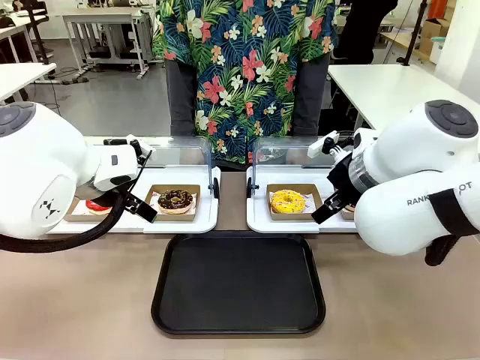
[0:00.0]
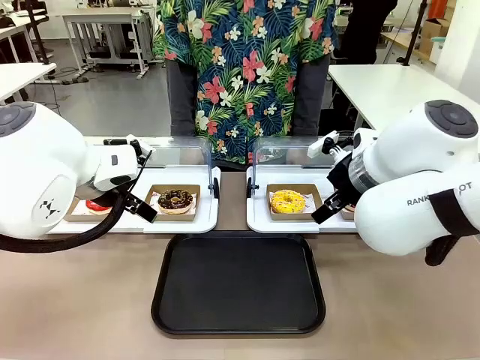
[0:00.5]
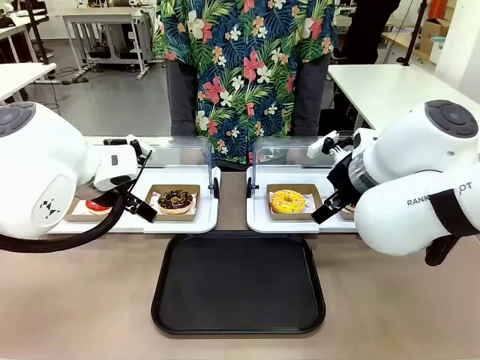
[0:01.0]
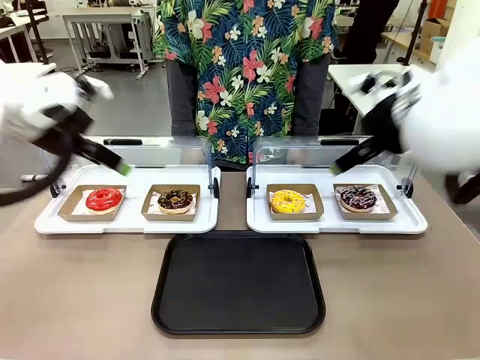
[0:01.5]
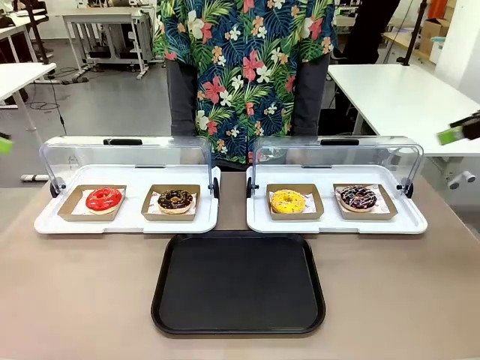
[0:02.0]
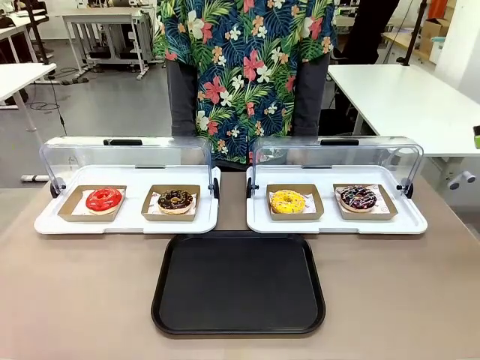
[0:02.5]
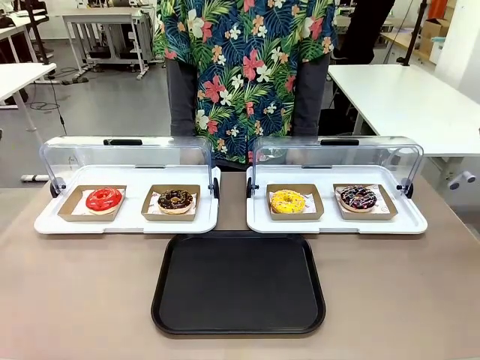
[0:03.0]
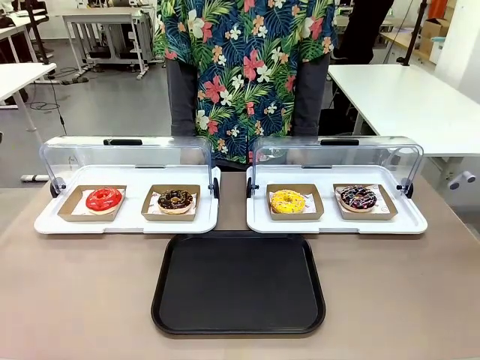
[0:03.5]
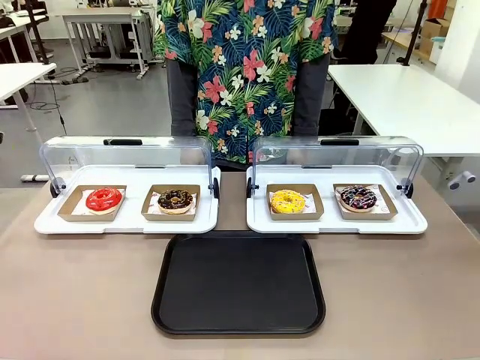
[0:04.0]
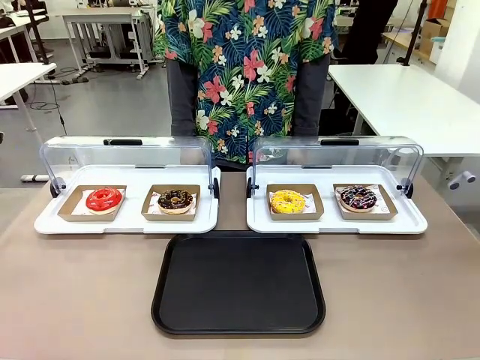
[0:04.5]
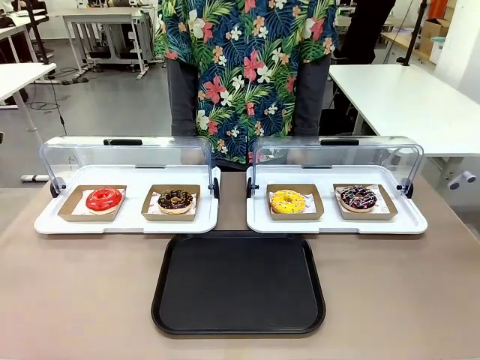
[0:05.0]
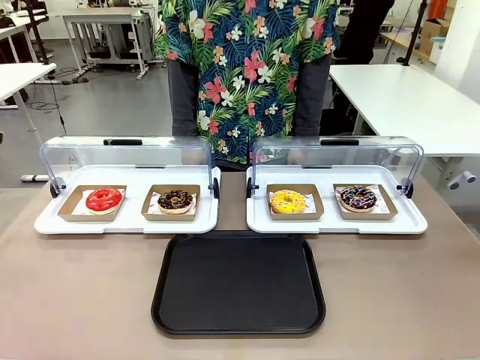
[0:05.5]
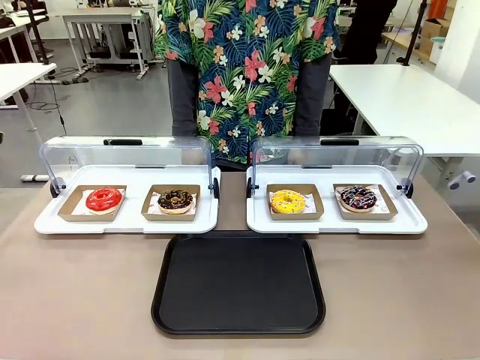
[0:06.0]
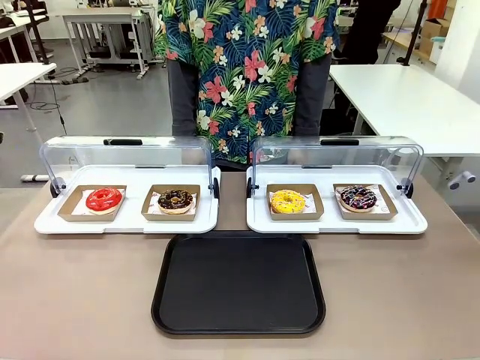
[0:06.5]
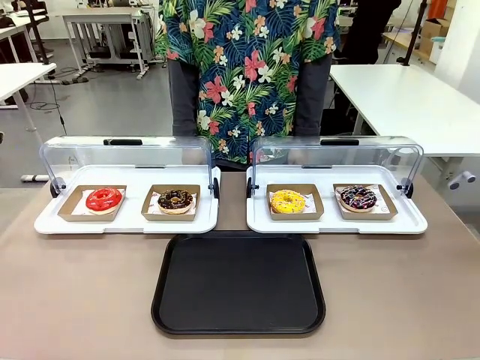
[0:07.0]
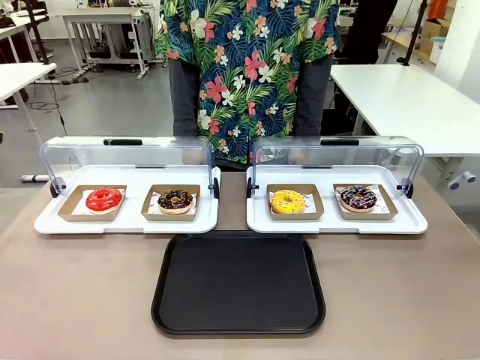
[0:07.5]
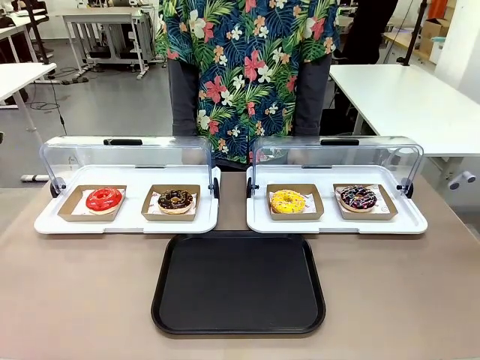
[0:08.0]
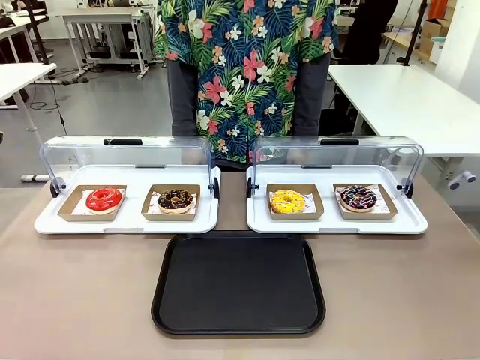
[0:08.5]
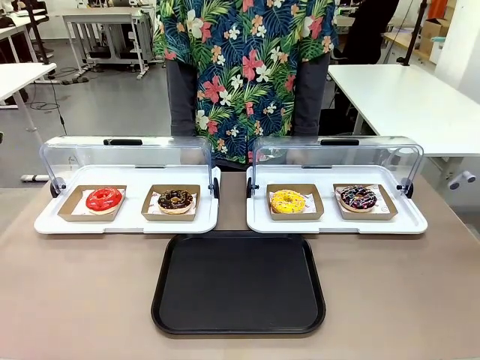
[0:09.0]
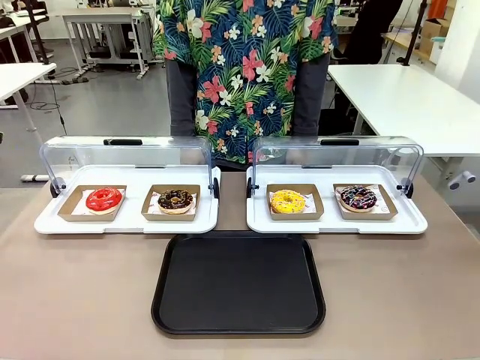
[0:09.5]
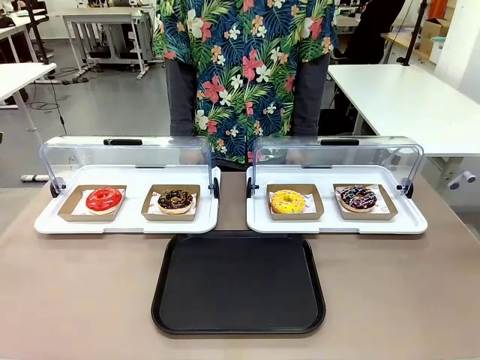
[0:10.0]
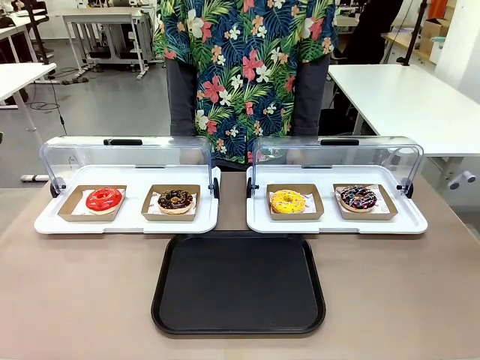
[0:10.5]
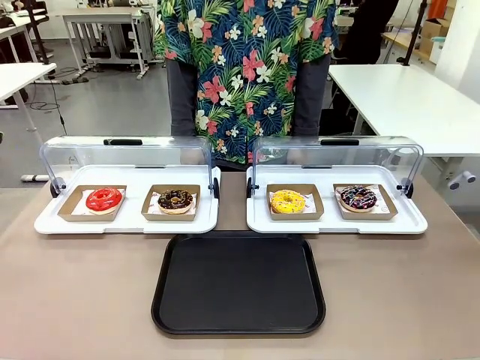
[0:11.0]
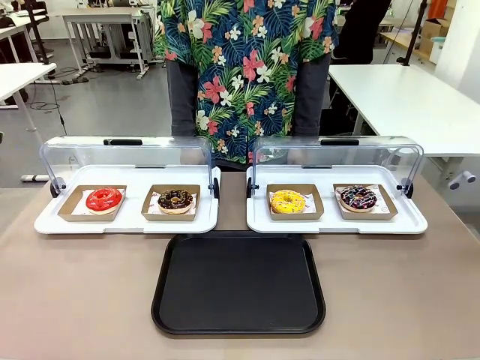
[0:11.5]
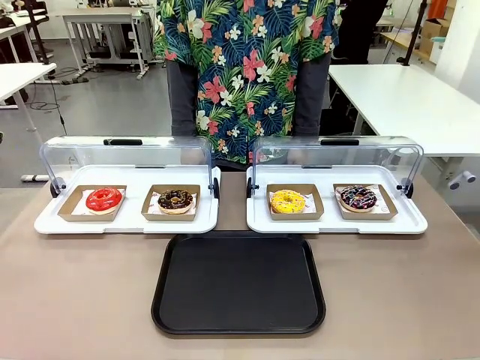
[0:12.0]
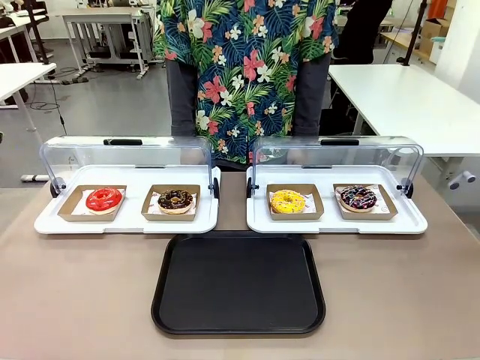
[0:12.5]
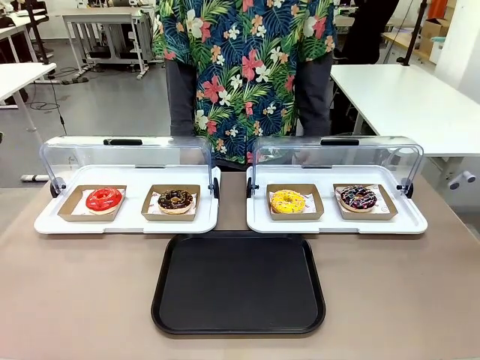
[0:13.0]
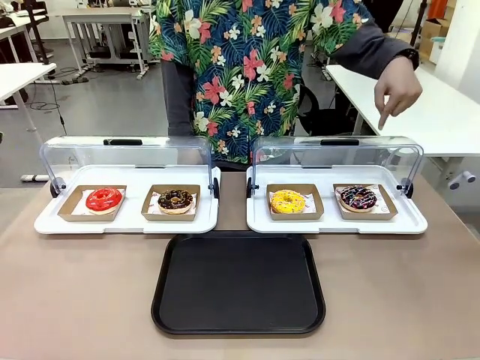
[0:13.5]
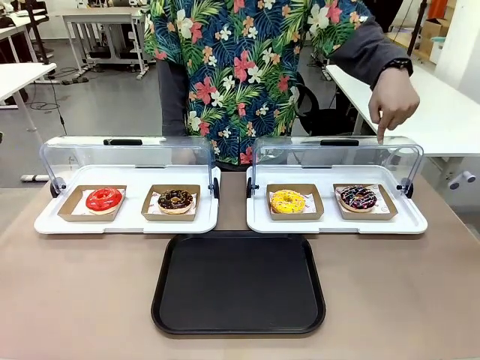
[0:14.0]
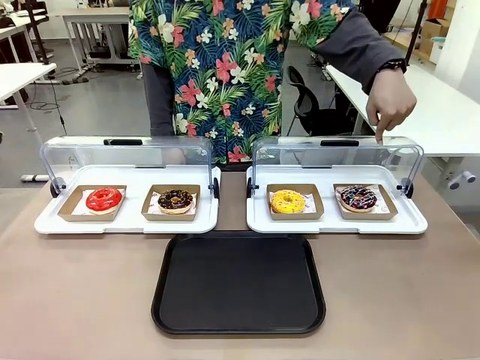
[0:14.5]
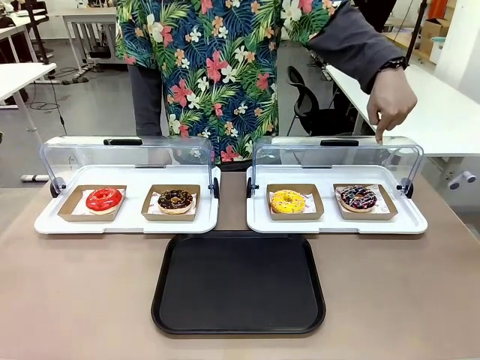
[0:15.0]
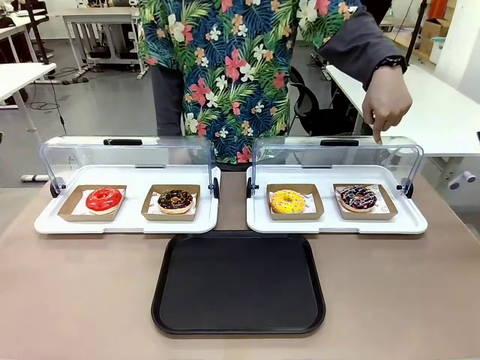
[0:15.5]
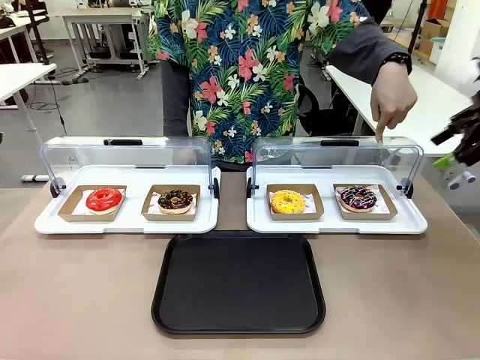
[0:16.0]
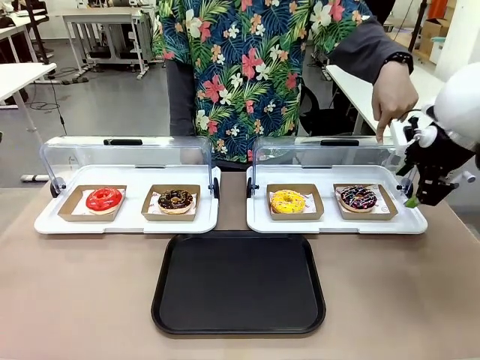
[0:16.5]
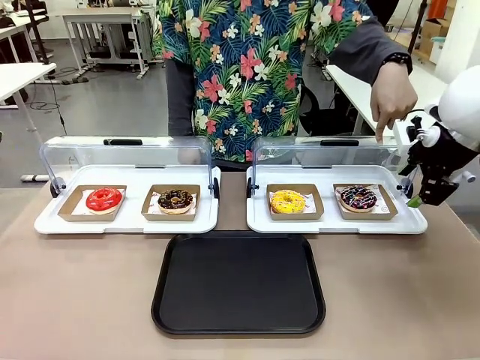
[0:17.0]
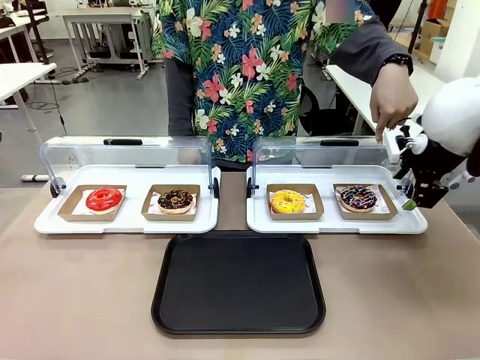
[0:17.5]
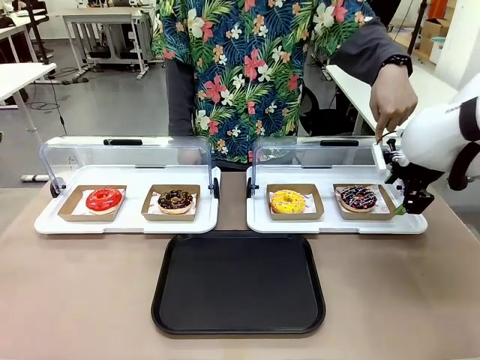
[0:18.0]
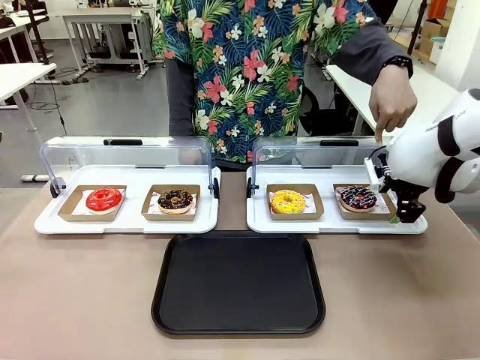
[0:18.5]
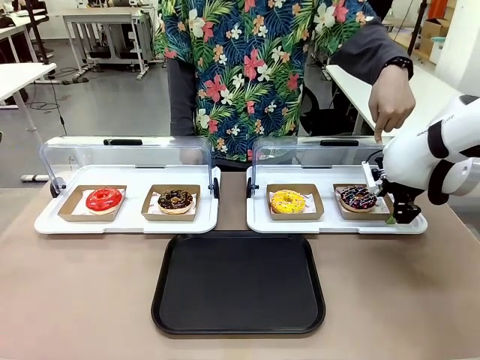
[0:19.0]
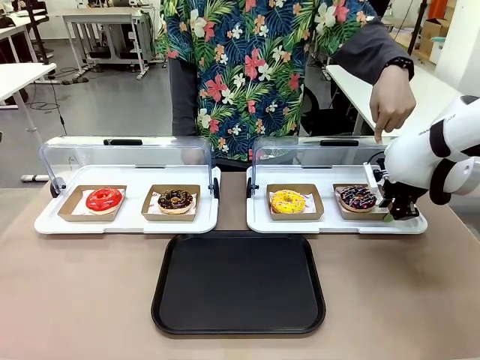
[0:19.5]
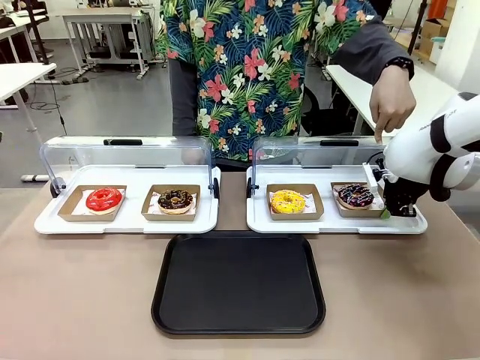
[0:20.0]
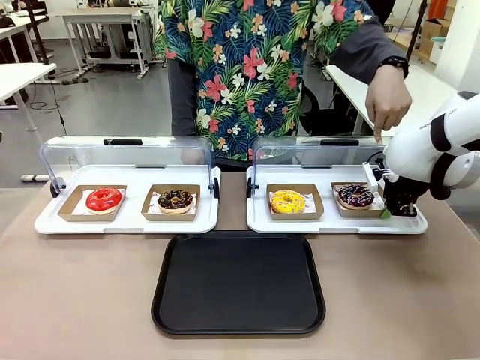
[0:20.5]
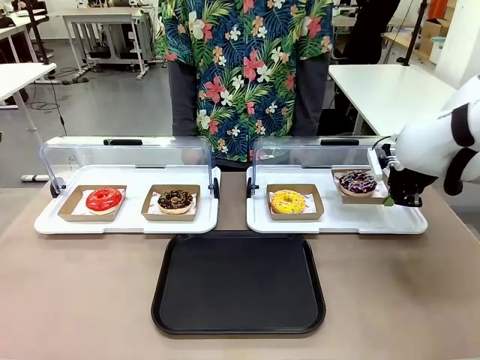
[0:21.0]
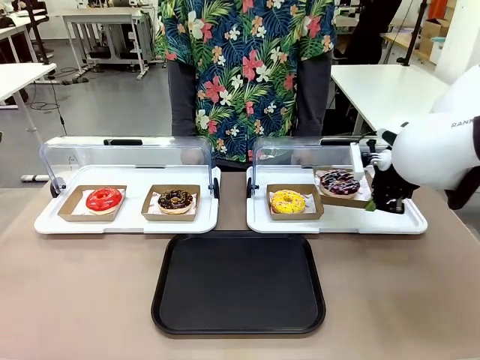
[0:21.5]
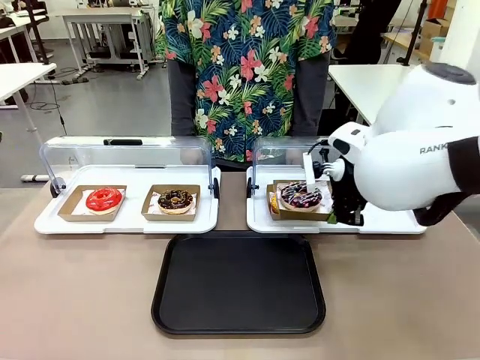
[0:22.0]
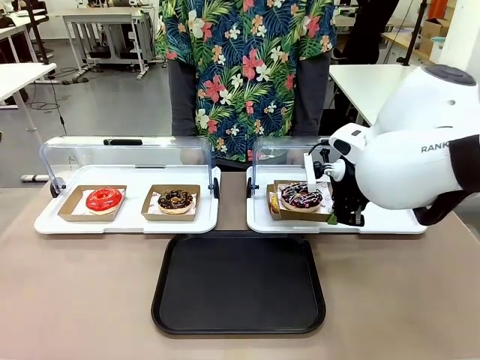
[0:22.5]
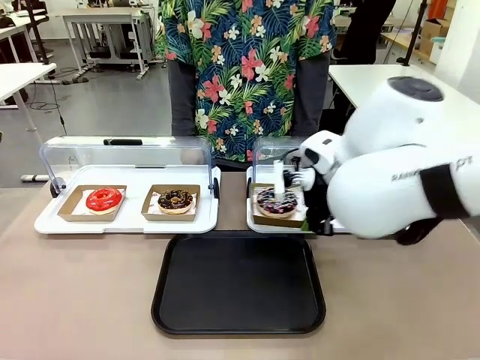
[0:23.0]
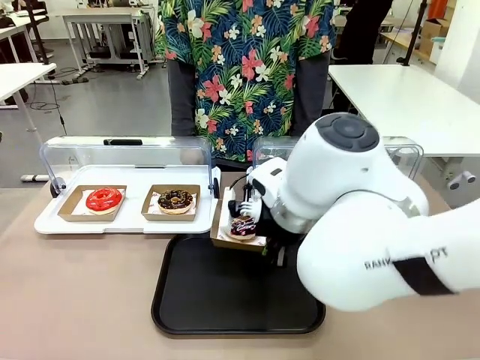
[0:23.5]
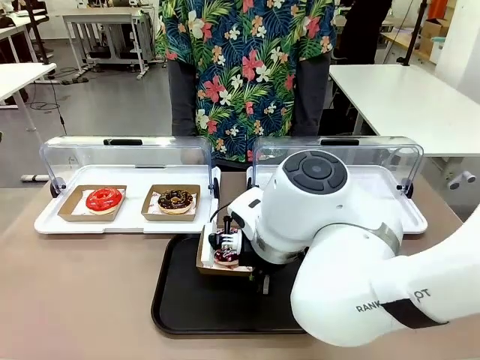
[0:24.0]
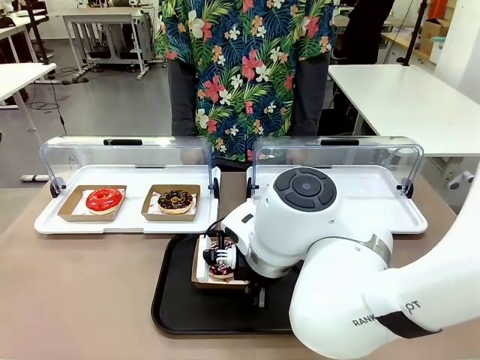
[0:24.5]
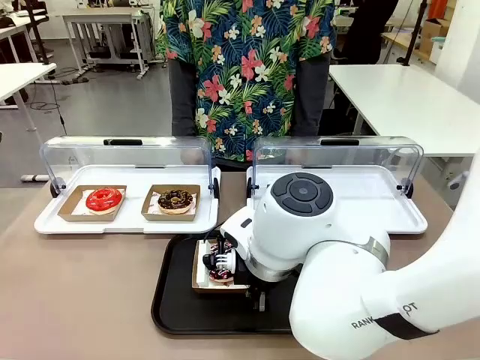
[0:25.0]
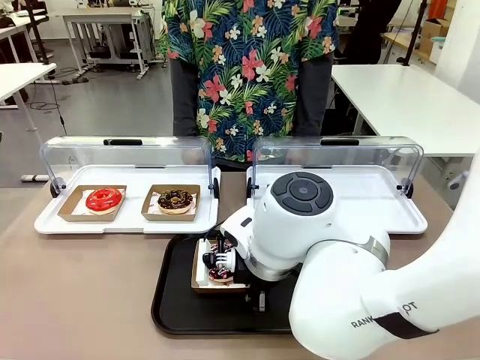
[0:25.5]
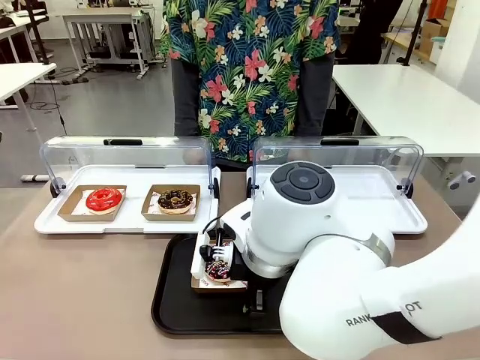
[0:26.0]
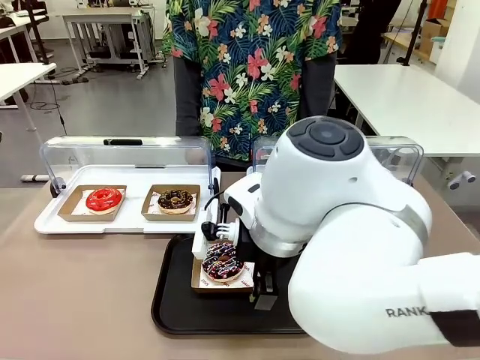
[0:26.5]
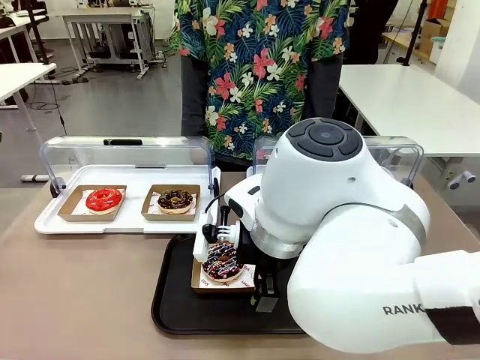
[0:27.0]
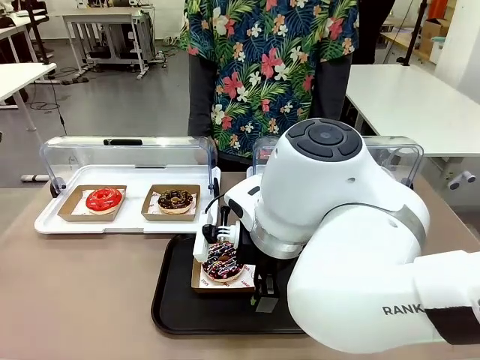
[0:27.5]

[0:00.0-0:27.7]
Task: Move the fourth donut from the left to the tray.
Robot: Pick up the Paper togo box containing the Donut indicated by the person and place it on the Handle tray.
Person: Points to the fourth donut from the left from the robot’s perspective.
